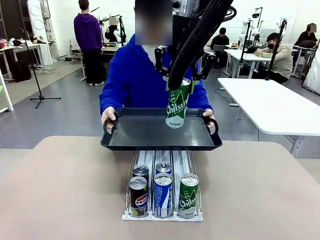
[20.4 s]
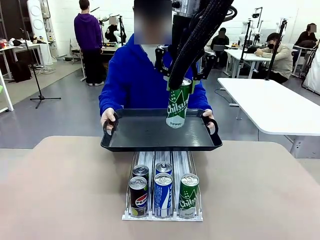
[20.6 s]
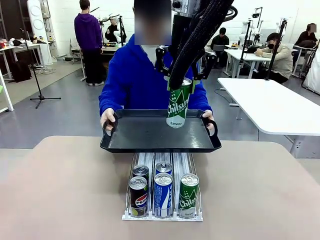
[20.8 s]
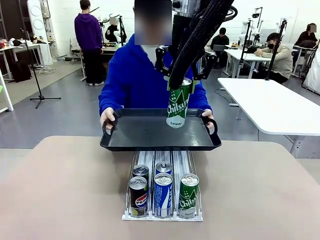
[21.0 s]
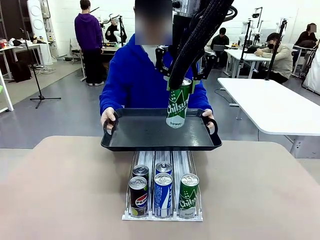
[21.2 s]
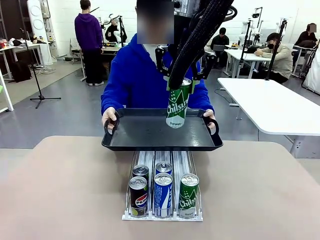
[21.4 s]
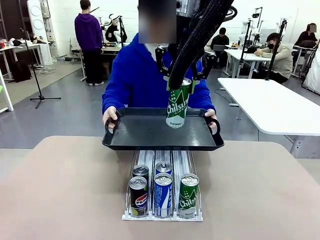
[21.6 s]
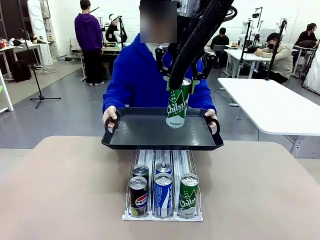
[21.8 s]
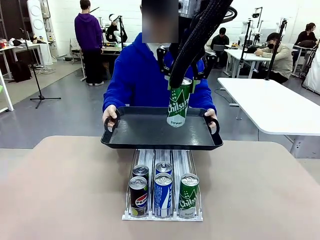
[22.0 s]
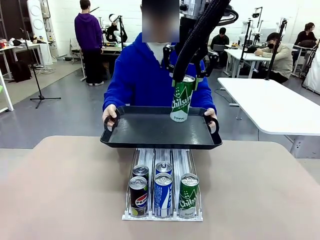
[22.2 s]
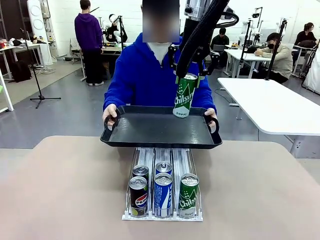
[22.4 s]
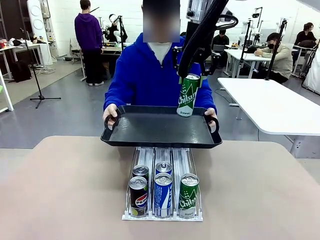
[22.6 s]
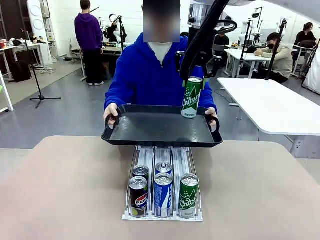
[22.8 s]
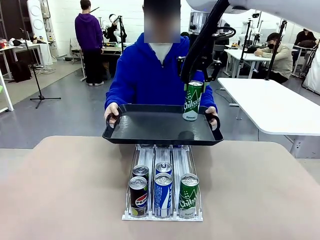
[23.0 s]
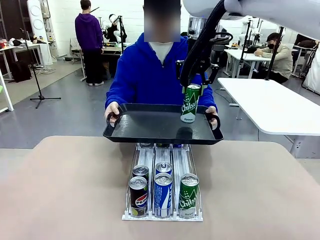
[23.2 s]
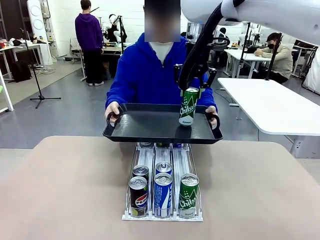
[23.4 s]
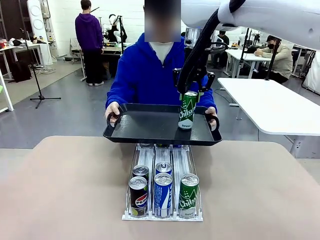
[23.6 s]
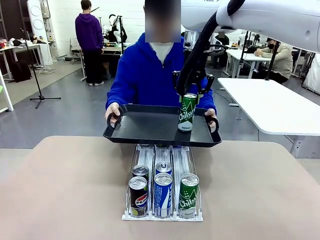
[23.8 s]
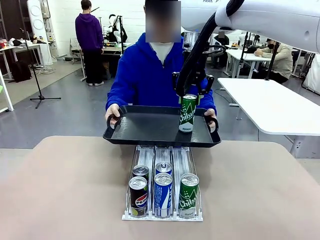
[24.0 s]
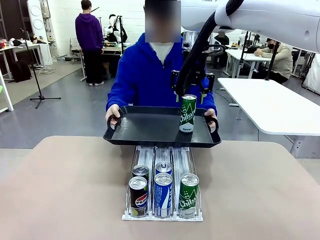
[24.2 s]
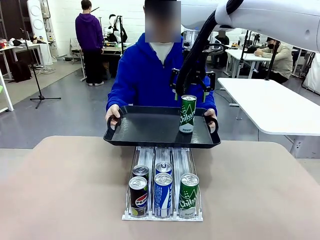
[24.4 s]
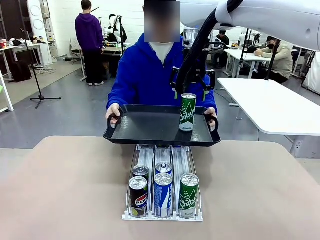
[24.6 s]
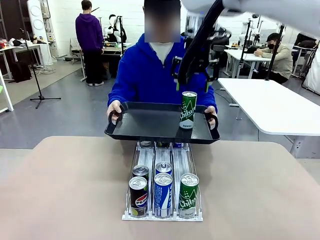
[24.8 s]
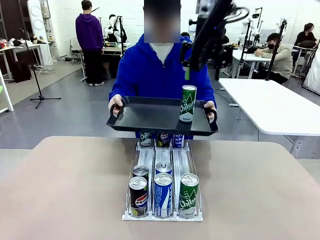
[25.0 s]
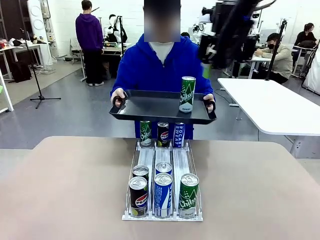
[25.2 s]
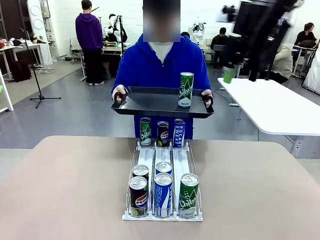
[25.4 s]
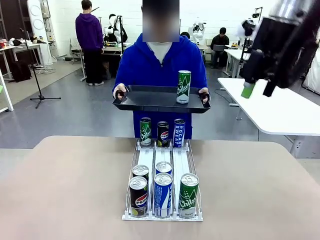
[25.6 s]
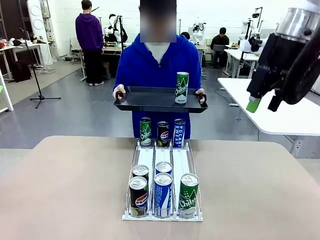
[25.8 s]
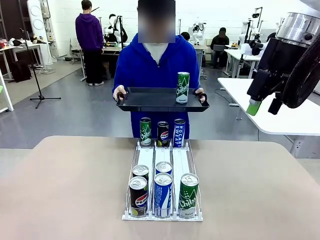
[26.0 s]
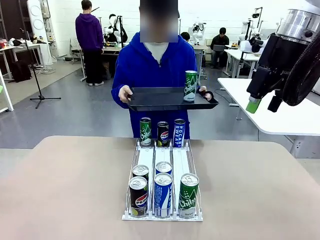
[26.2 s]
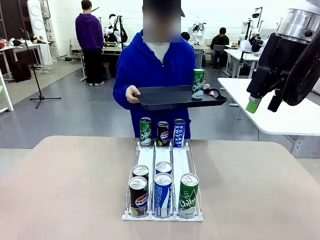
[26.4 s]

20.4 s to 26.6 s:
Task: Retrieve and hand over the desired beverage to the person.
Robot: Place the picked can on the Handle tray extended by the person.

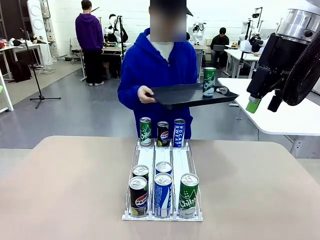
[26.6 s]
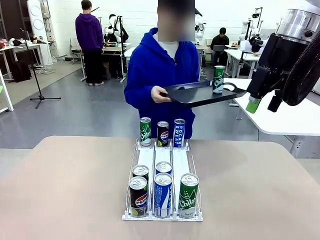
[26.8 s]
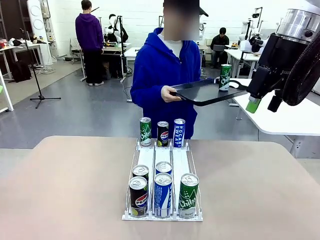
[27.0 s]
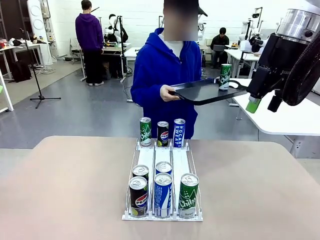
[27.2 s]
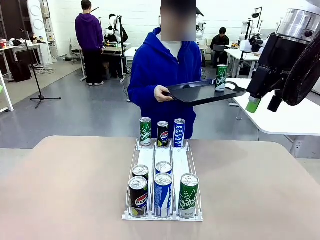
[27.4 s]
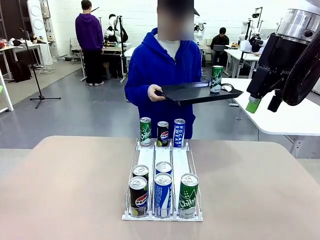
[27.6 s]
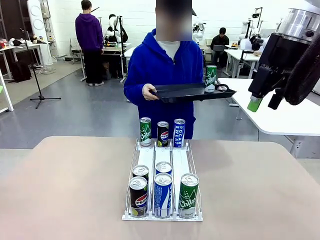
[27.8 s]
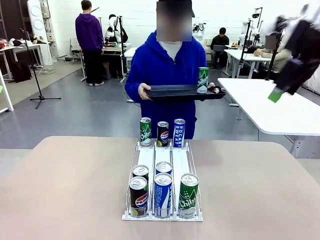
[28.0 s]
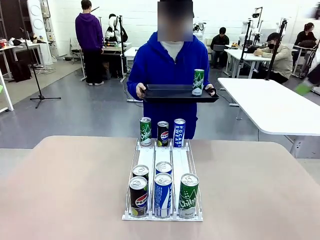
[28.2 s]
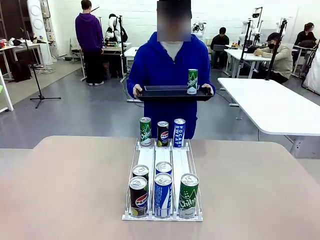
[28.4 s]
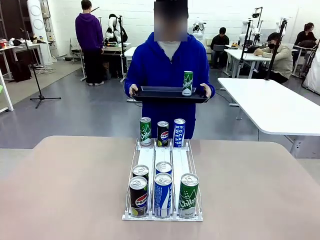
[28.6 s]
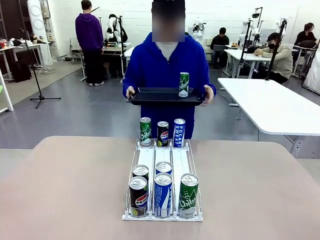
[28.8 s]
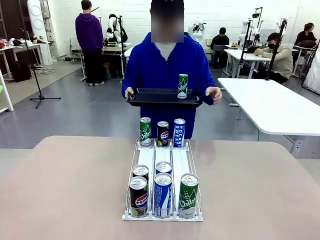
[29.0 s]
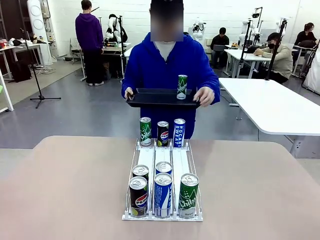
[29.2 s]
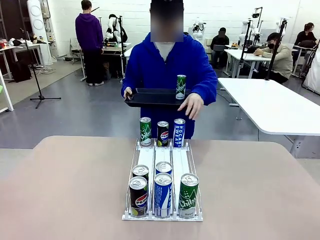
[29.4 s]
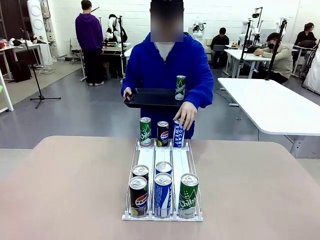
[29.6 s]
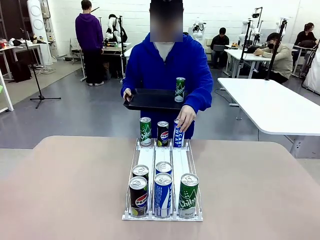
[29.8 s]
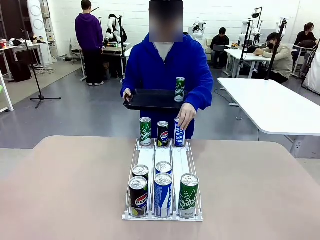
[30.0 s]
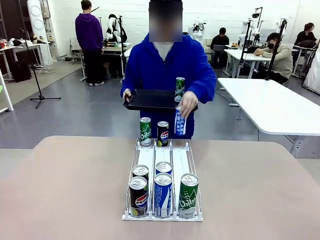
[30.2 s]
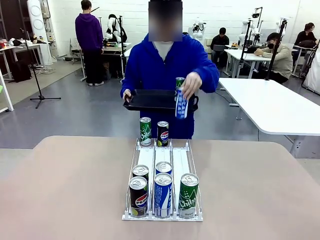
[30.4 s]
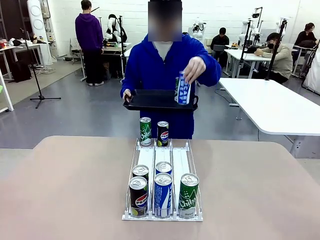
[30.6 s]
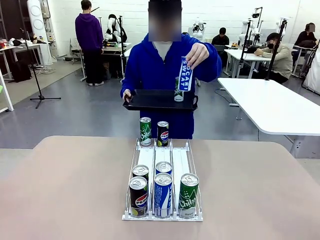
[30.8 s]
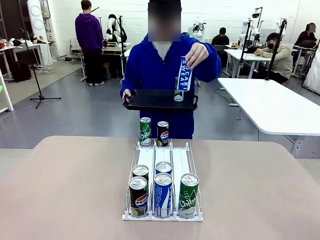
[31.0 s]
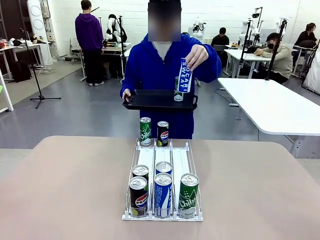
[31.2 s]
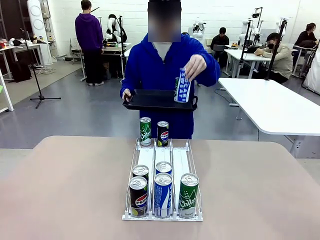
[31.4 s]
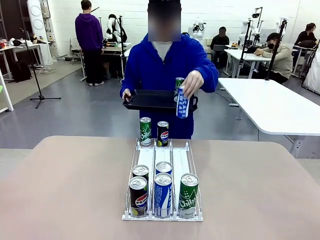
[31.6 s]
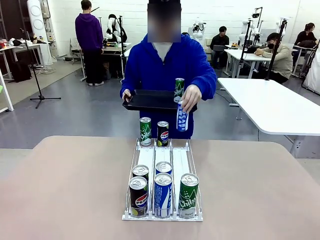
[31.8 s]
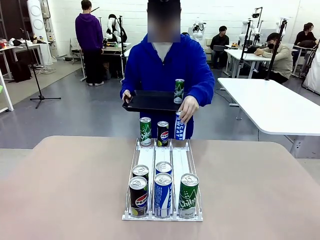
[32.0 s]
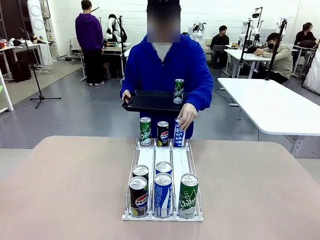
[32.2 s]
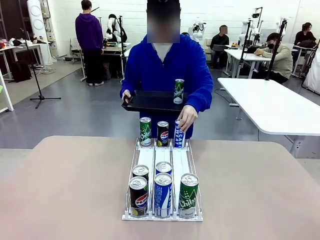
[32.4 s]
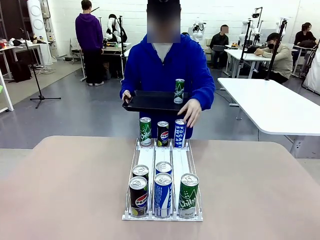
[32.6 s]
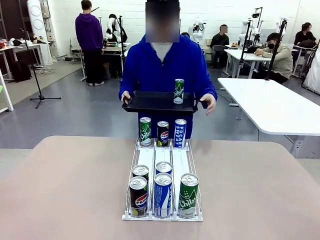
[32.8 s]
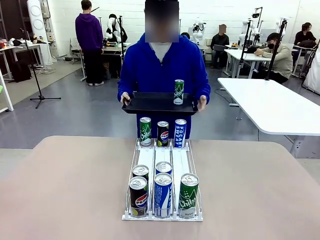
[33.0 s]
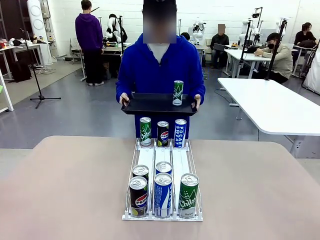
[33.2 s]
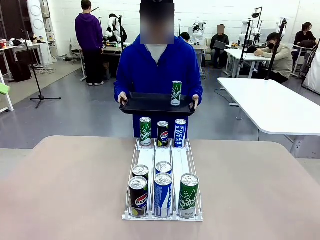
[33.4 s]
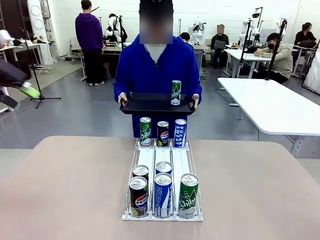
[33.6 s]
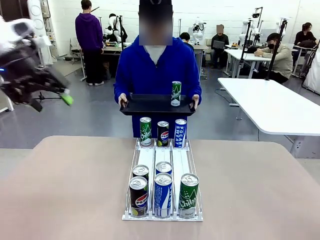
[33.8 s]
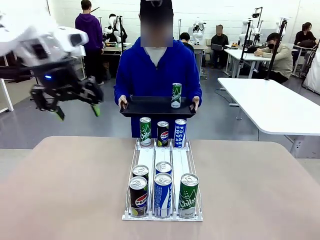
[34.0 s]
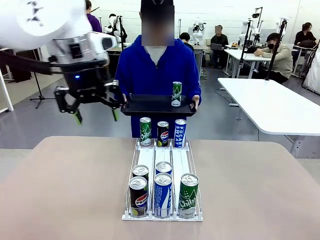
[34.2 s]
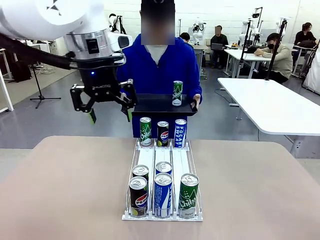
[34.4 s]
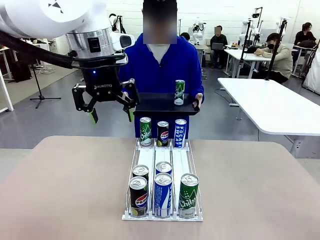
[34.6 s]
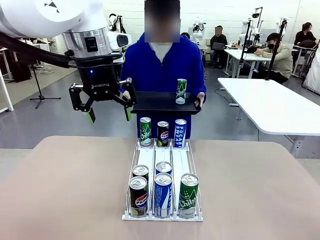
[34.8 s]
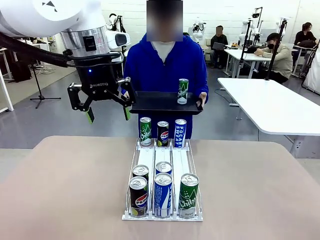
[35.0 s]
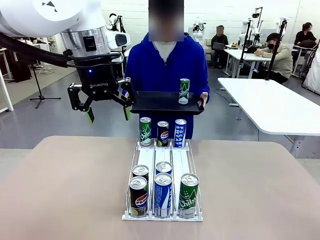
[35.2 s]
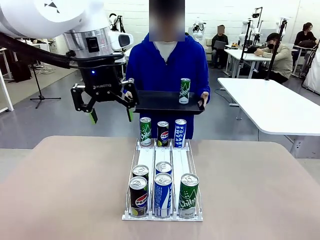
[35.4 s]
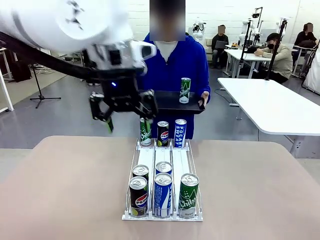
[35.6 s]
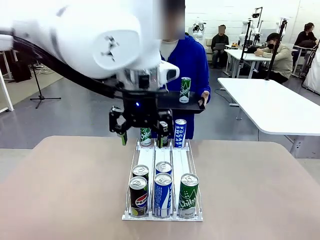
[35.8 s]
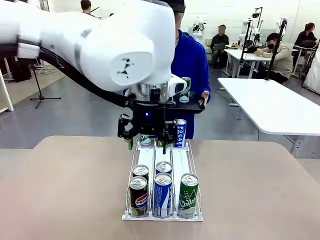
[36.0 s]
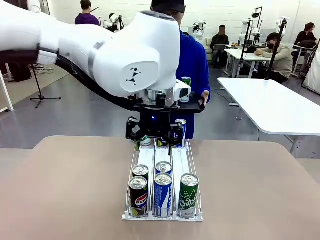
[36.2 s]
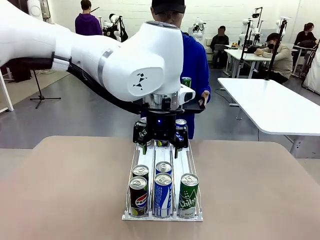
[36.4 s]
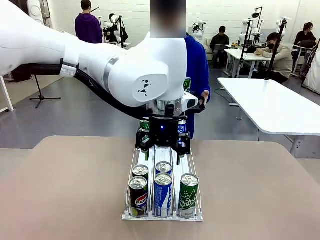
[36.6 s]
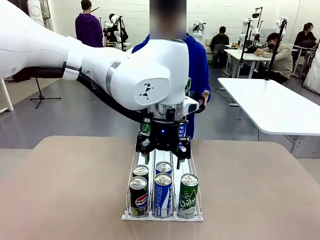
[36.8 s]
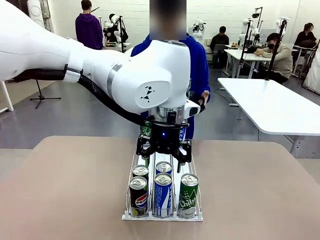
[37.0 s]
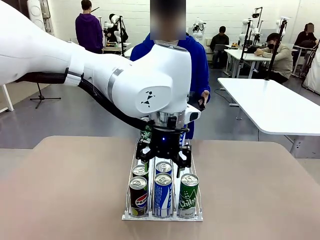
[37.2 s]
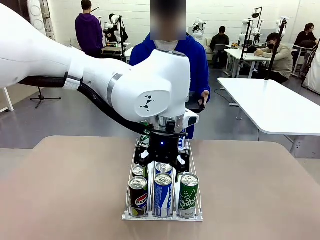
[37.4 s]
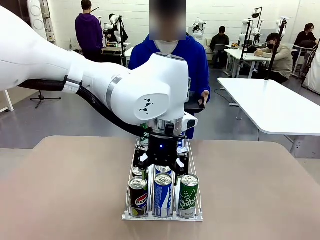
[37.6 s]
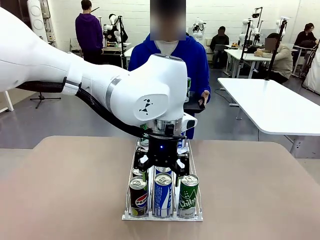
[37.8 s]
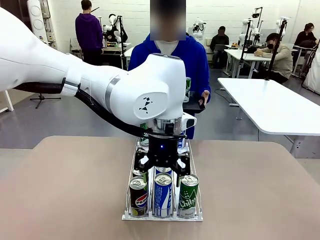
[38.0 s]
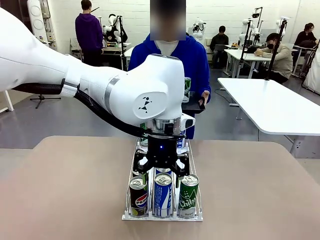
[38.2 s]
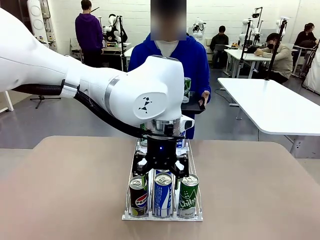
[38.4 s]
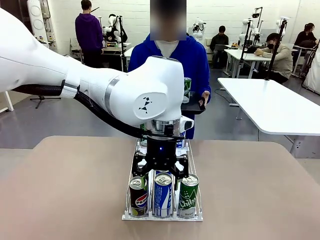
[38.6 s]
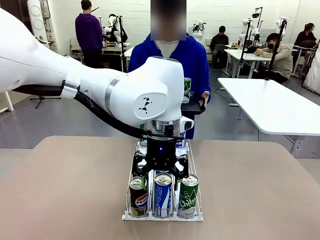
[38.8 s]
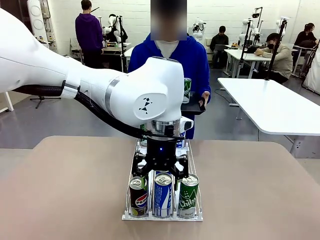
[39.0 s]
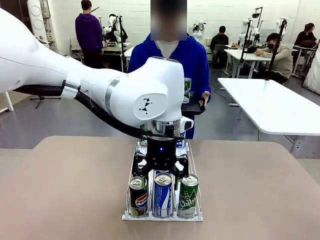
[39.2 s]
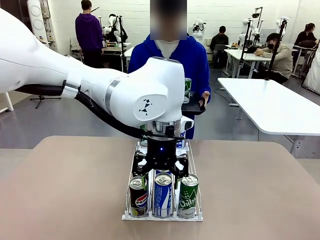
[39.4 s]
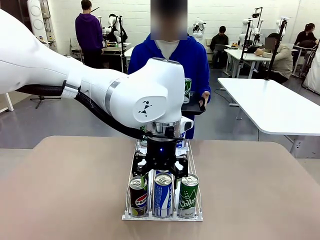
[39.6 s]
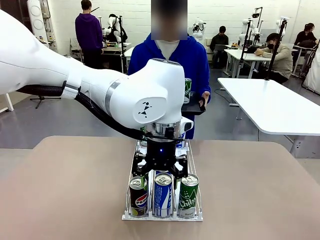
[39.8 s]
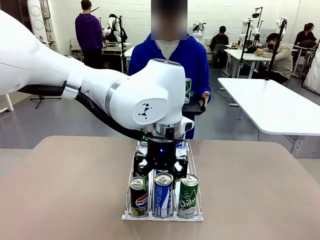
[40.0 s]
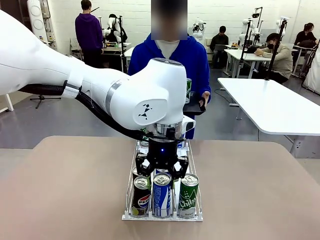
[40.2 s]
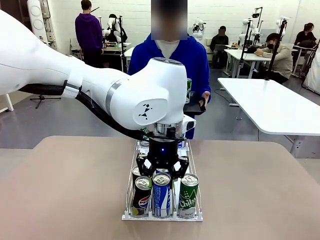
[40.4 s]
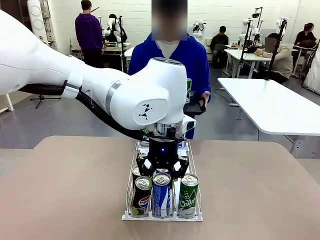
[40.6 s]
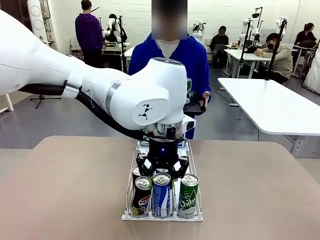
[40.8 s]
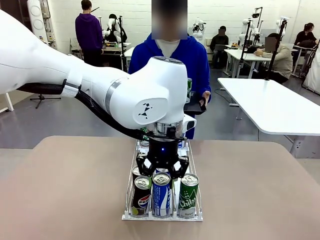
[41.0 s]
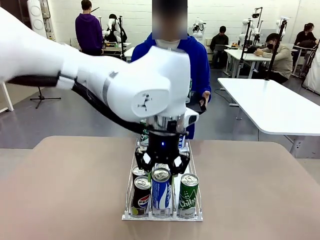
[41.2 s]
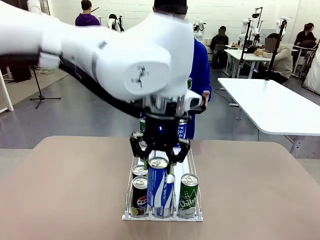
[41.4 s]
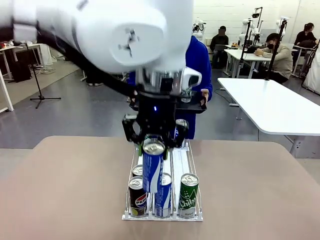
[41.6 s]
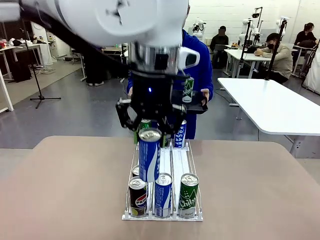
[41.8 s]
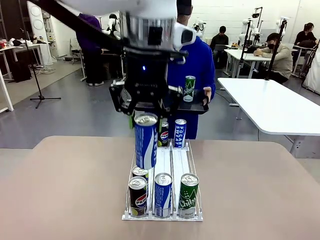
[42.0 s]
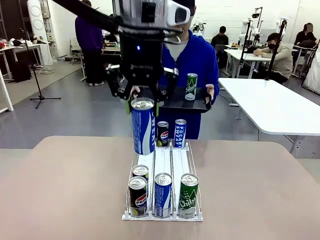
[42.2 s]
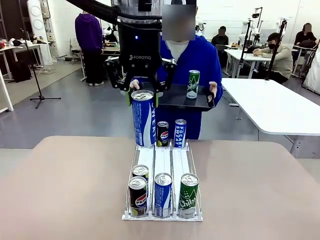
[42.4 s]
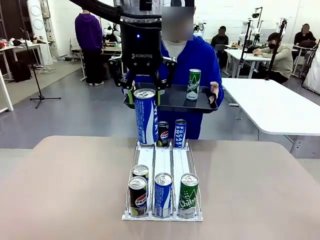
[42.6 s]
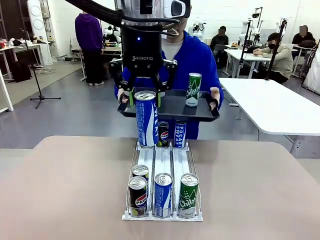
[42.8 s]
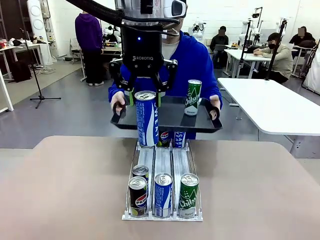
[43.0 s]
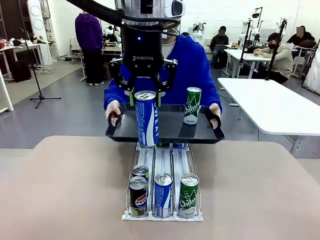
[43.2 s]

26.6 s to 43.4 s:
Robot: Pick up another can of the same type that the person held from the Automatic Can Dispenser.
Person: Pull the tray back, then pick up another can from the bottom area of the table and puts it back in its original place. Push the tray toward the robot again.
